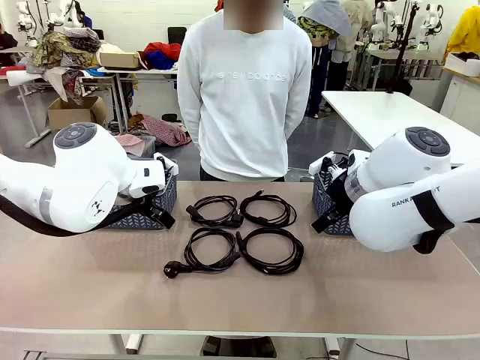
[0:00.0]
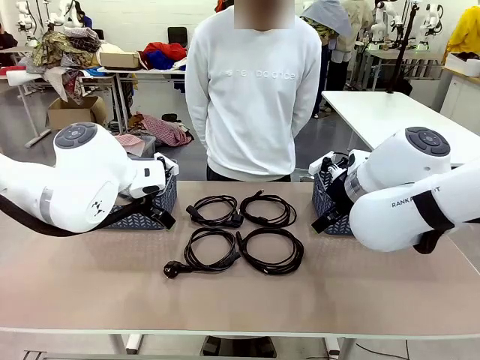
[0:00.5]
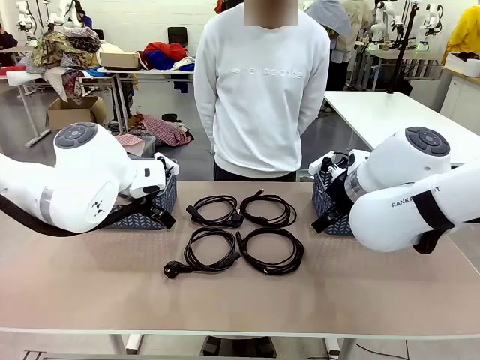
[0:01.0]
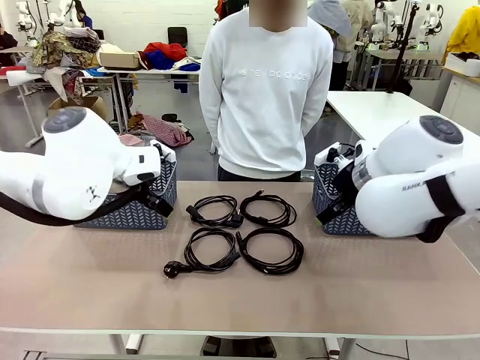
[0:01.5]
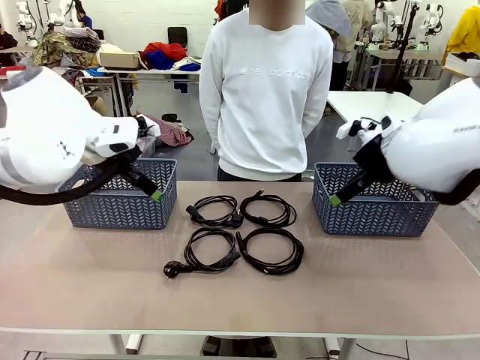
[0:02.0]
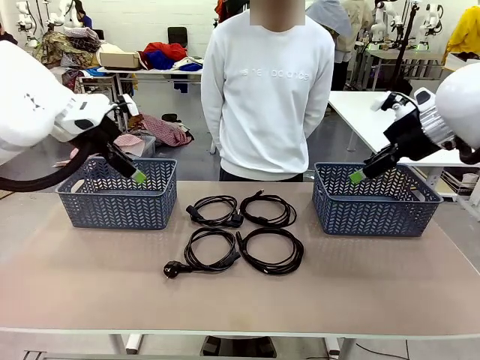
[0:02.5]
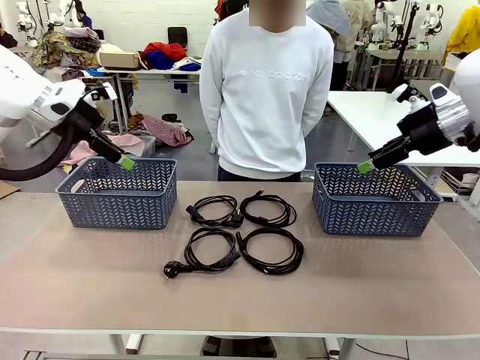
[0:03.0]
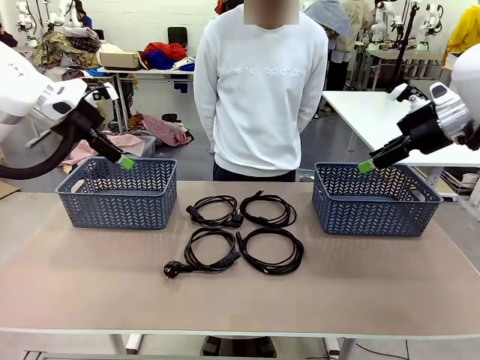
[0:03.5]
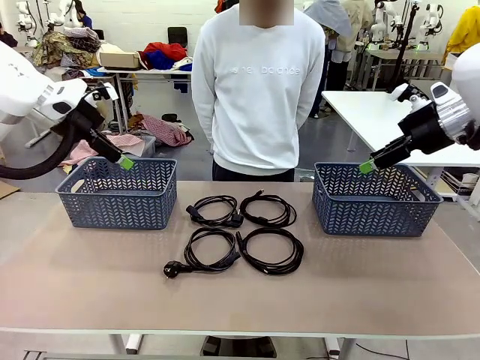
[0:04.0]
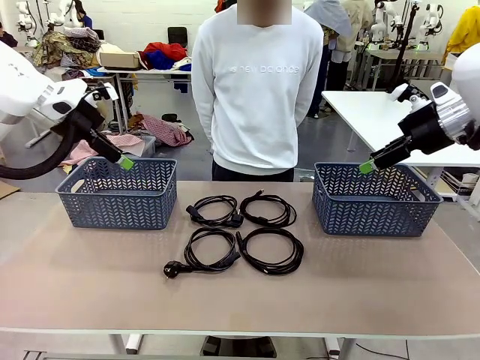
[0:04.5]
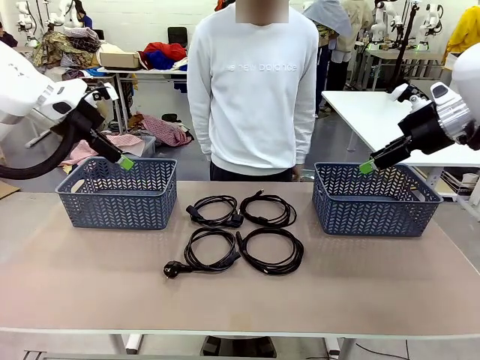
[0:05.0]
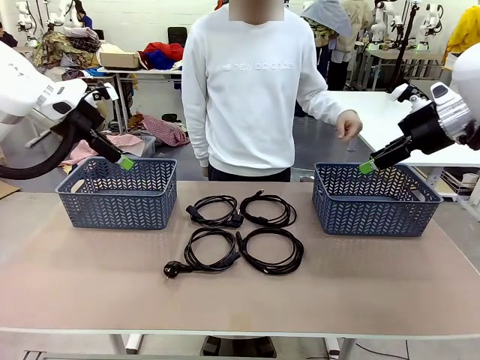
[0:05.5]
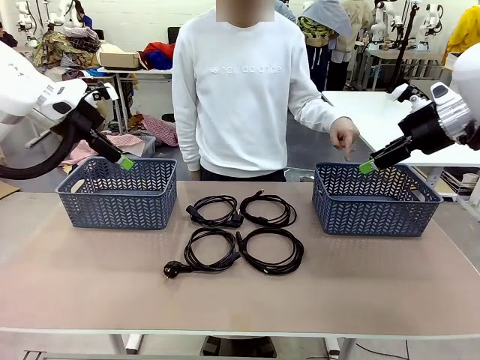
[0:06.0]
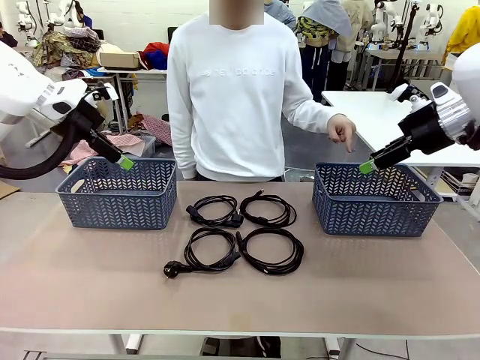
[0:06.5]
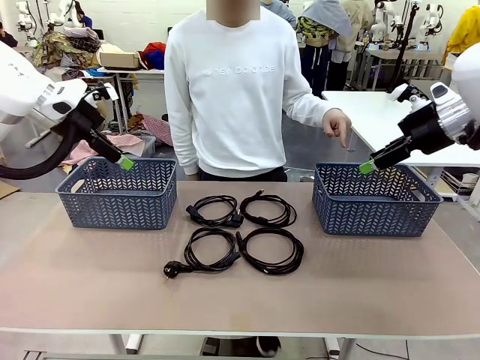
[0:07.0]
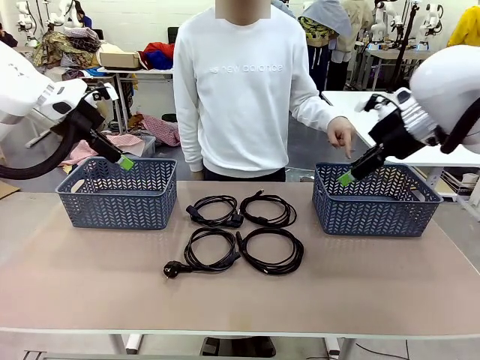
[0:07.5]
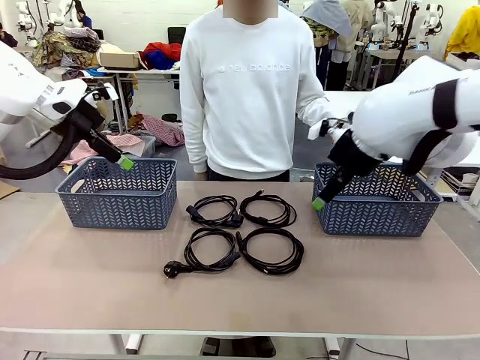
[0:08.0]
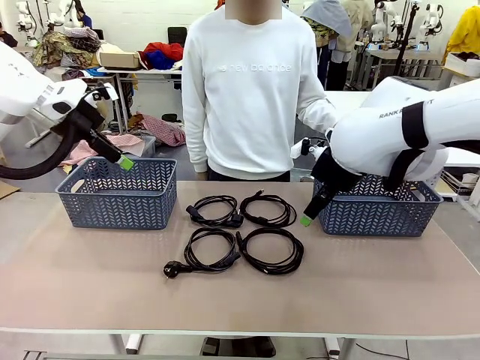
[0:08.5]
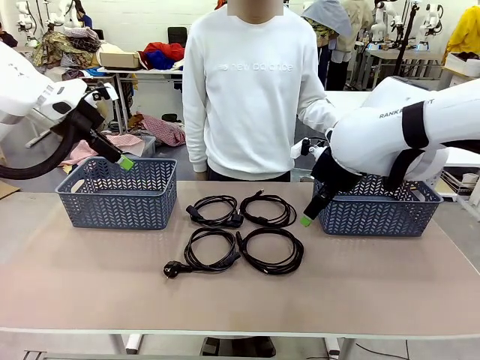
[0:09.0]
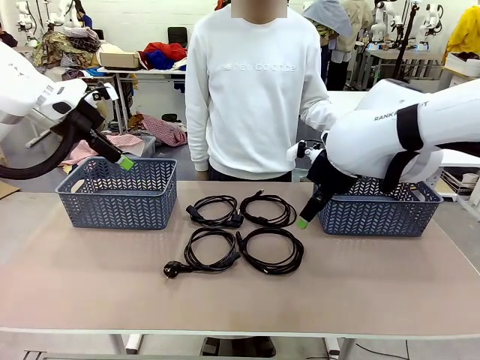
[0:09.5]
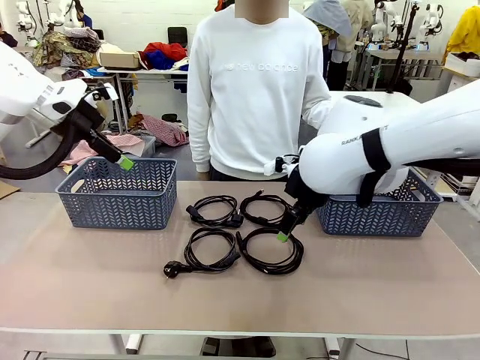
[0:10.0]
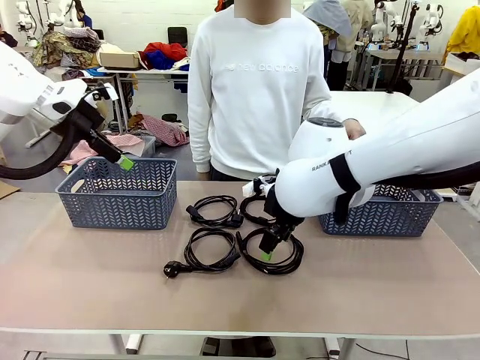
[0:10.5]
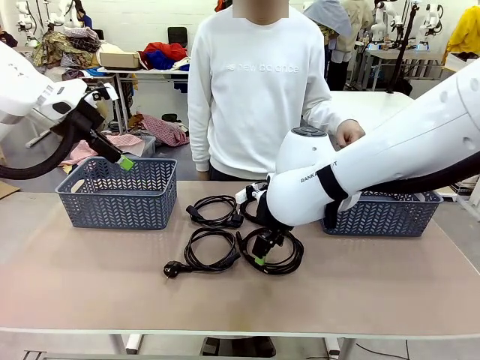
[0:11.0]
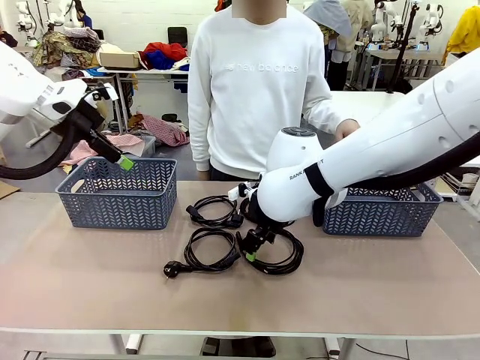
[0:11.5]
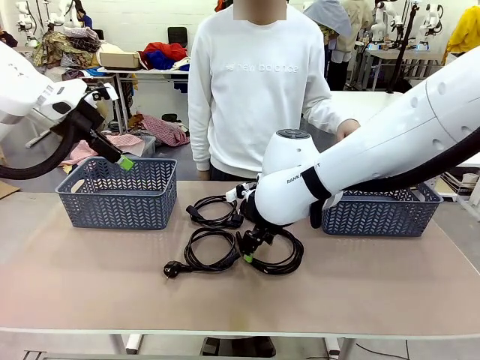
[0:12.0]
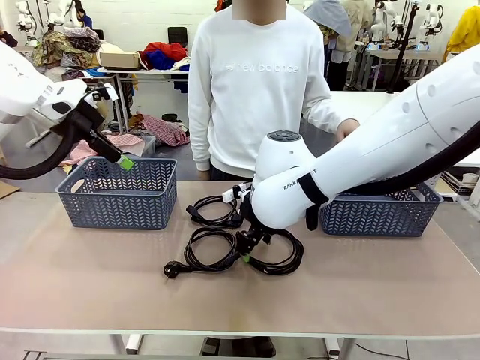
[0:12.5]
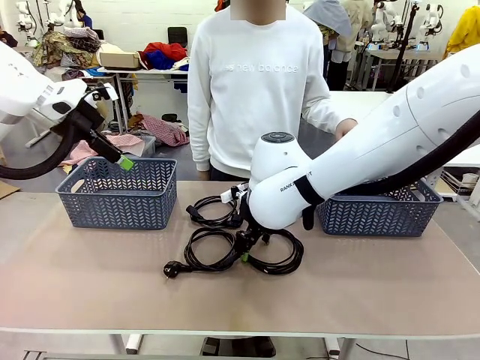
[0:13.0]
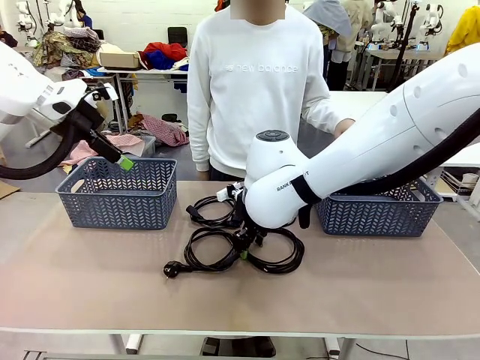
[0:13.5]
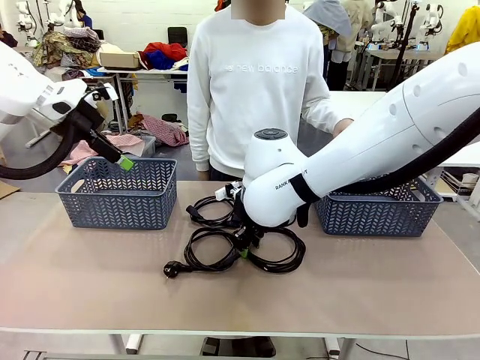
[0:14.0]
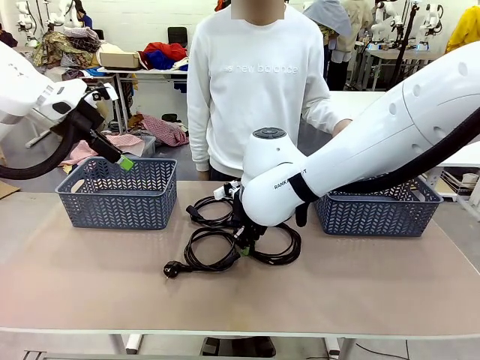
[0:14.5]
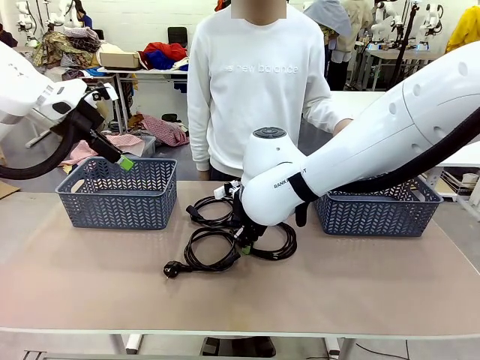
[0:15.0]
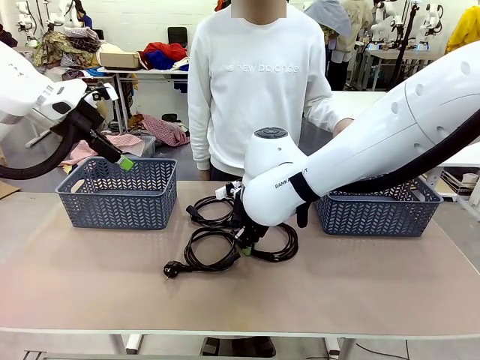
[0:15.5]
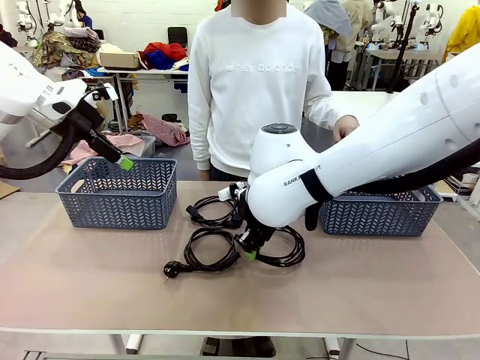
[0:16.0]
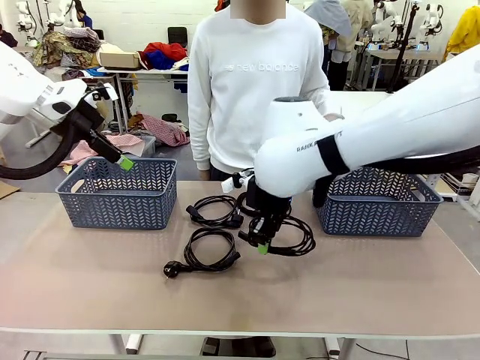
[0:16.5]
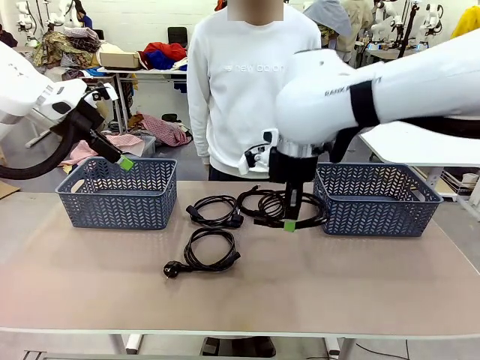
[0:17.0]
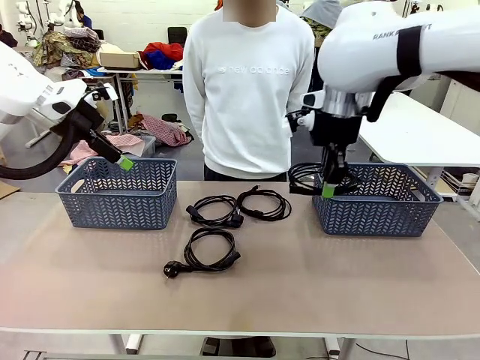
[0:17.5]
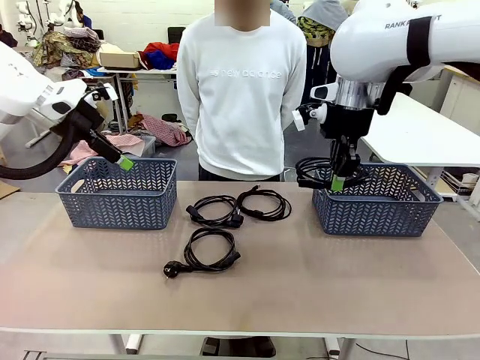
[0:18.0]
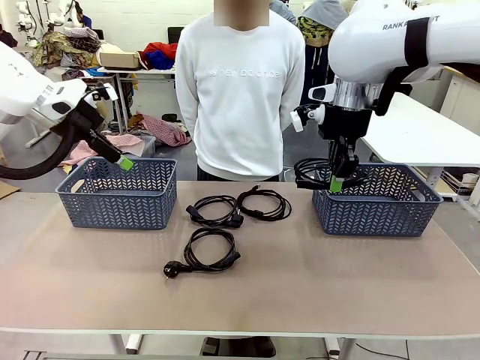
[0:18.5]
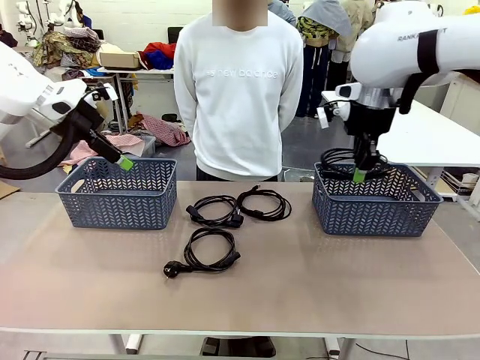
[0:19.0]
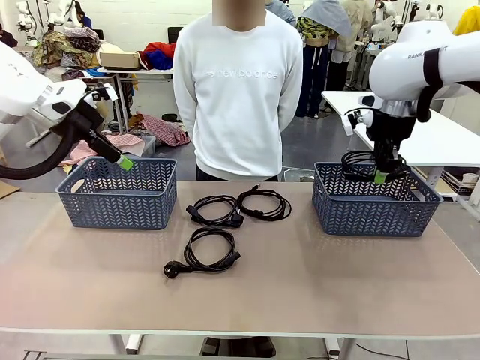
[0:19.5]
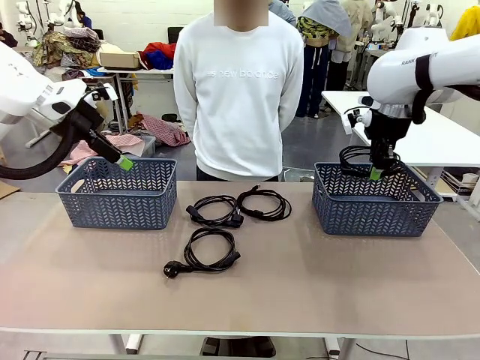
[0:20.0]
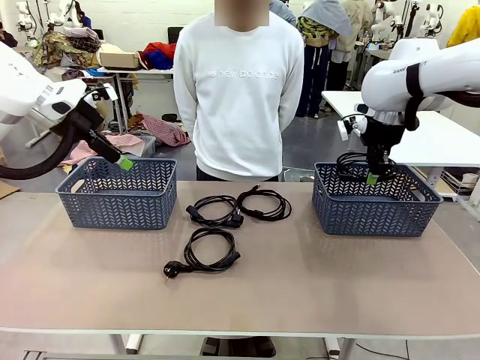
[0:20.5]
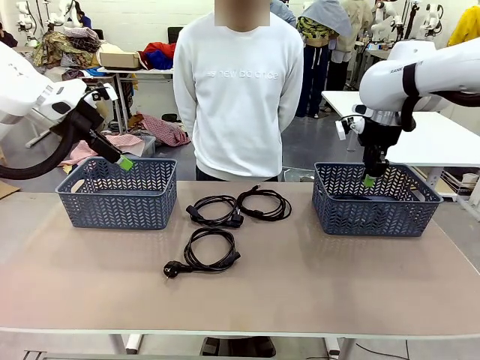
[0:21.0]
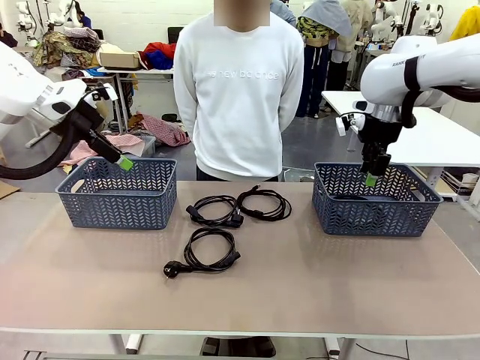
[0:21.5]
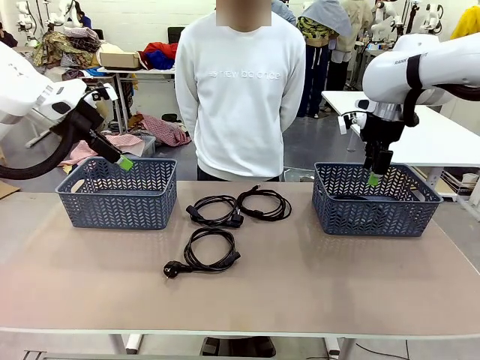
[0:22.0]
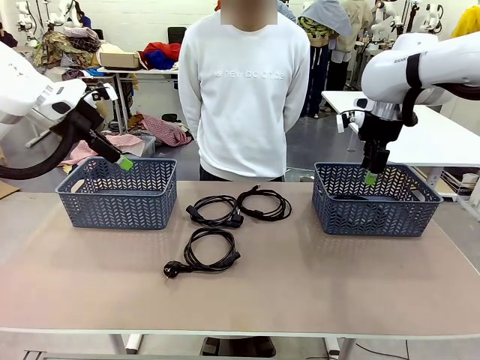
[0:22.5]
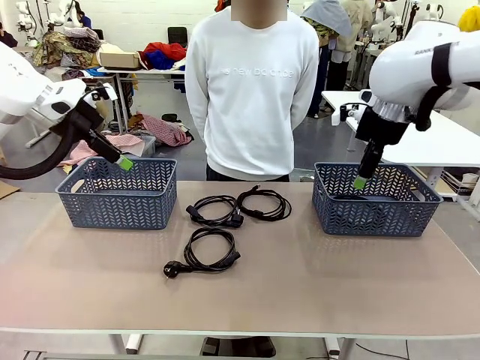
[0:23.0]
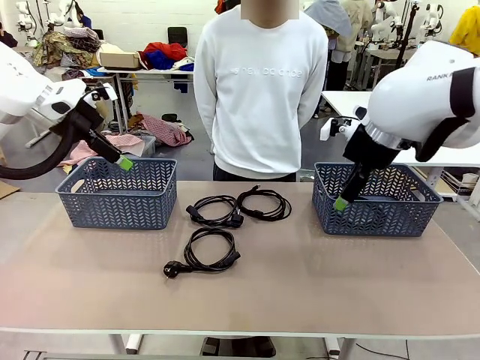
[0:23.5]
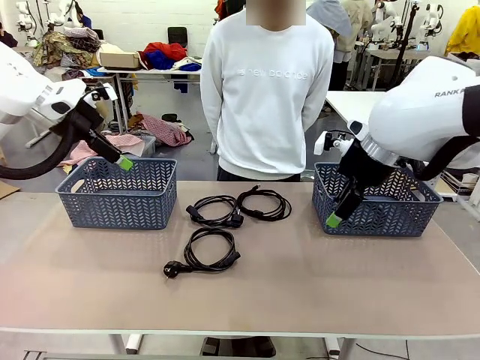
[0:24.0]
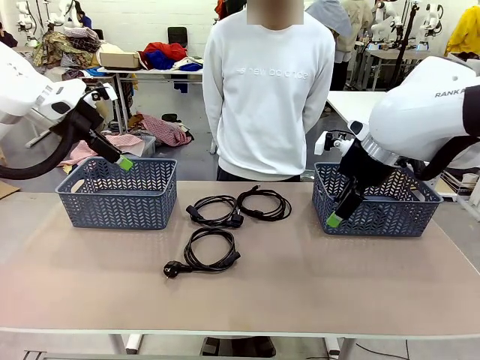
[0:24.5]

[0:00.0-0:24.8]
Task: Organize the cables according to human instructions.
Robot: Pick up a bundle of cables and place it in the basket indicated by the human.
